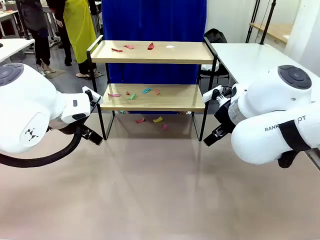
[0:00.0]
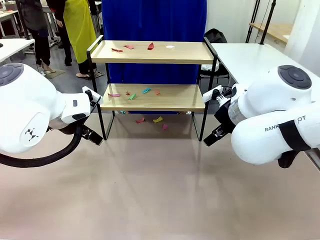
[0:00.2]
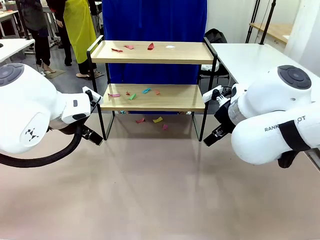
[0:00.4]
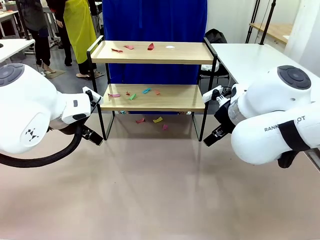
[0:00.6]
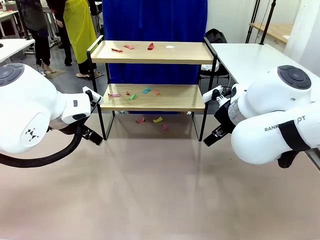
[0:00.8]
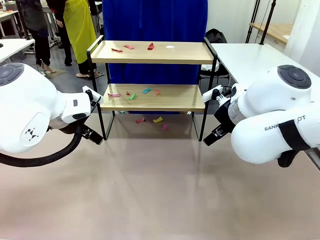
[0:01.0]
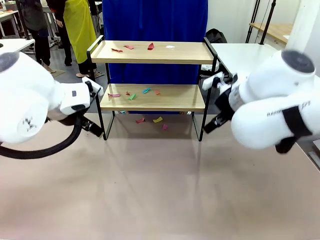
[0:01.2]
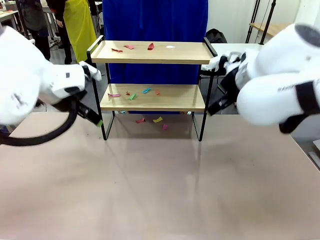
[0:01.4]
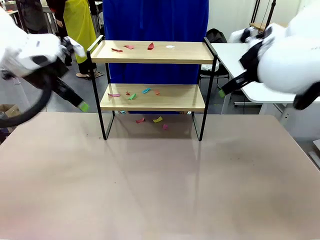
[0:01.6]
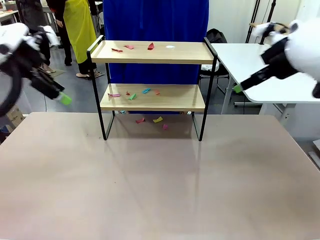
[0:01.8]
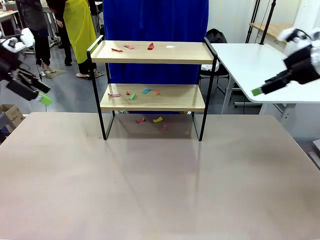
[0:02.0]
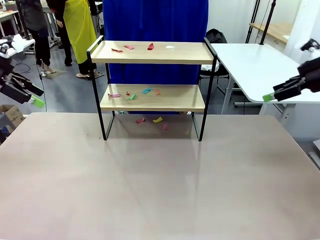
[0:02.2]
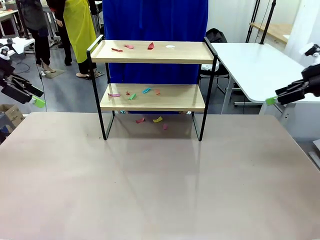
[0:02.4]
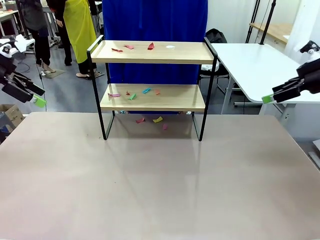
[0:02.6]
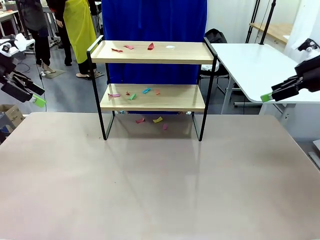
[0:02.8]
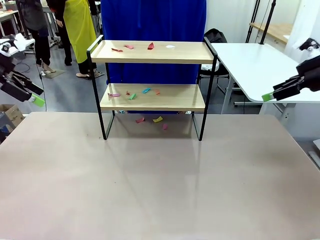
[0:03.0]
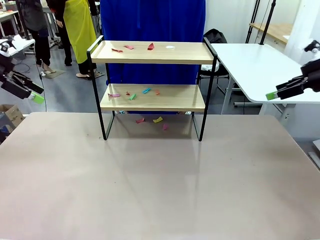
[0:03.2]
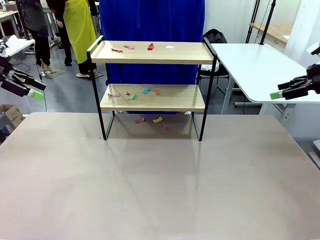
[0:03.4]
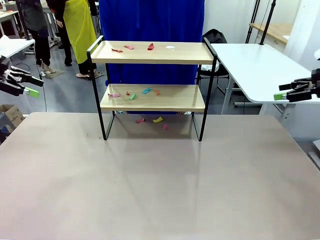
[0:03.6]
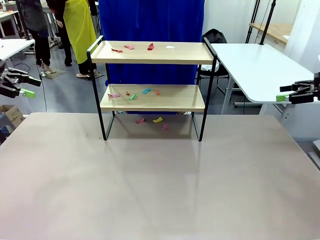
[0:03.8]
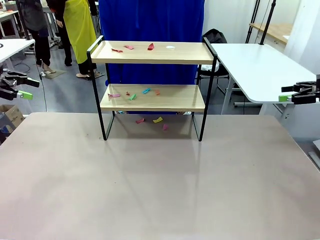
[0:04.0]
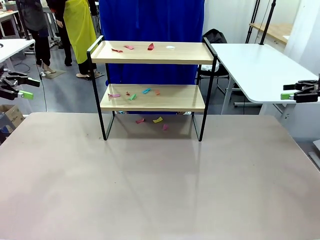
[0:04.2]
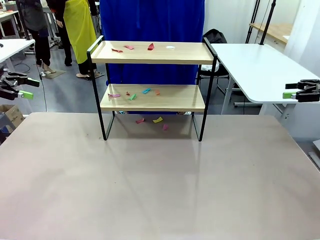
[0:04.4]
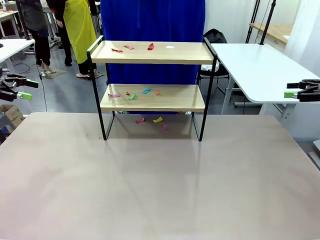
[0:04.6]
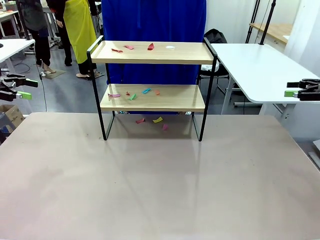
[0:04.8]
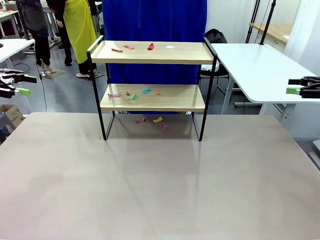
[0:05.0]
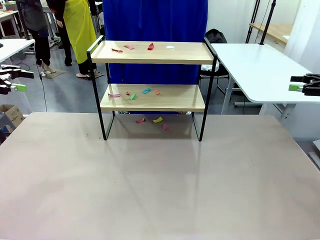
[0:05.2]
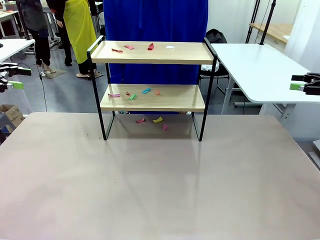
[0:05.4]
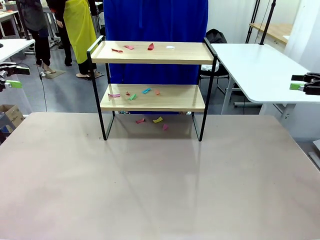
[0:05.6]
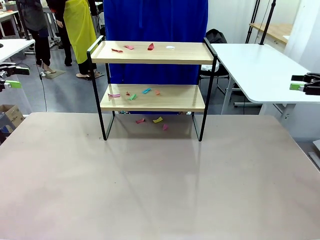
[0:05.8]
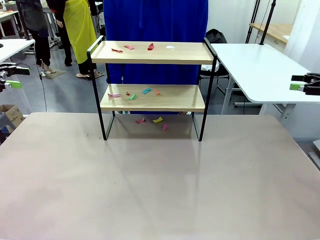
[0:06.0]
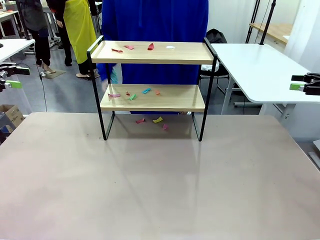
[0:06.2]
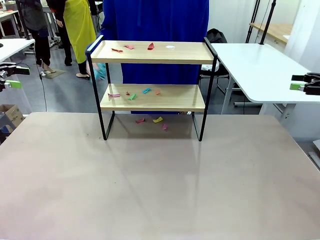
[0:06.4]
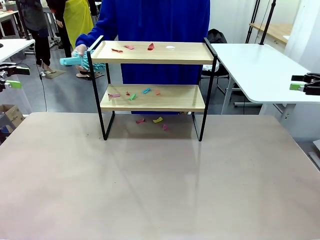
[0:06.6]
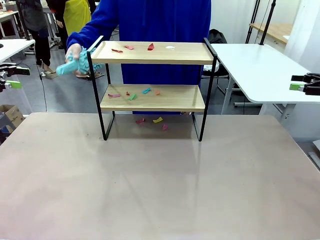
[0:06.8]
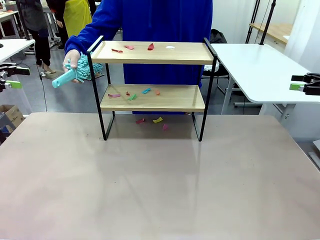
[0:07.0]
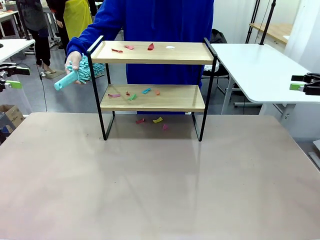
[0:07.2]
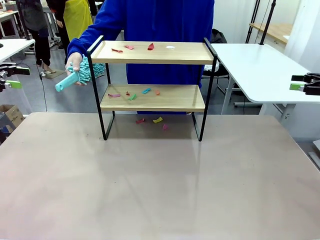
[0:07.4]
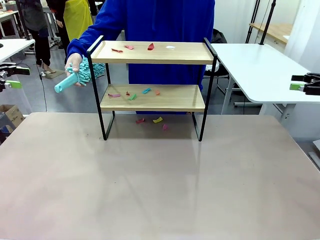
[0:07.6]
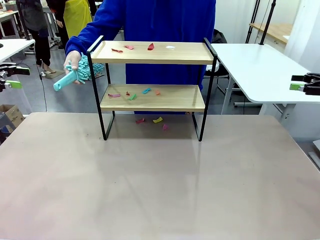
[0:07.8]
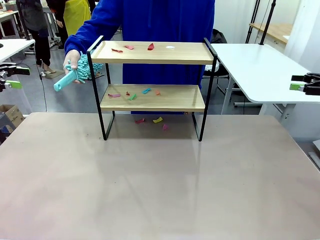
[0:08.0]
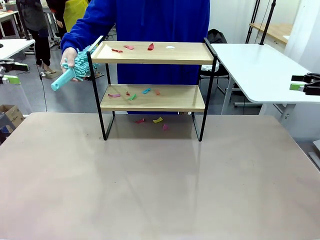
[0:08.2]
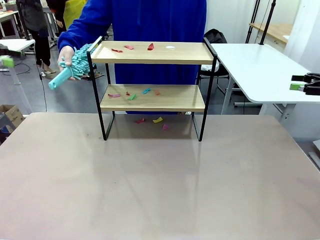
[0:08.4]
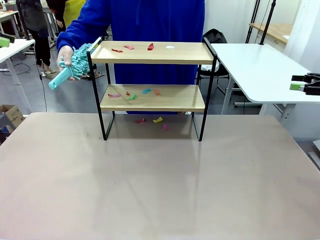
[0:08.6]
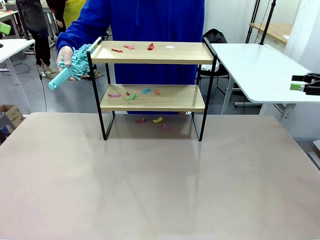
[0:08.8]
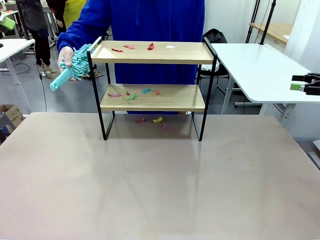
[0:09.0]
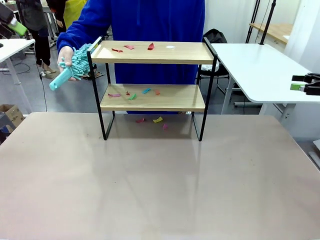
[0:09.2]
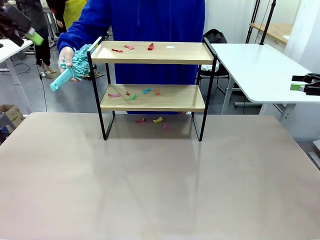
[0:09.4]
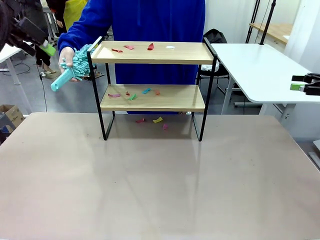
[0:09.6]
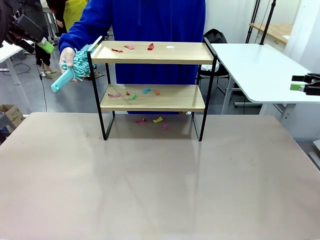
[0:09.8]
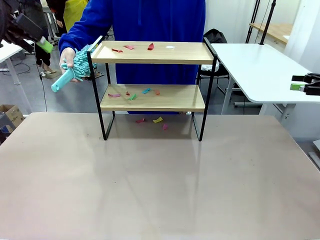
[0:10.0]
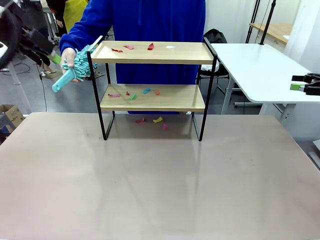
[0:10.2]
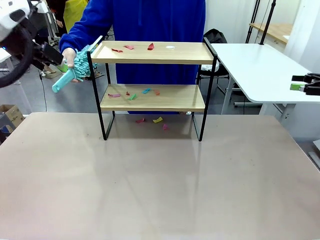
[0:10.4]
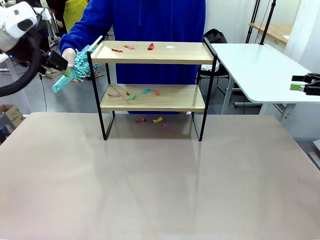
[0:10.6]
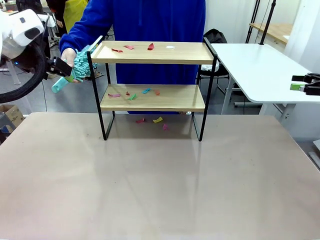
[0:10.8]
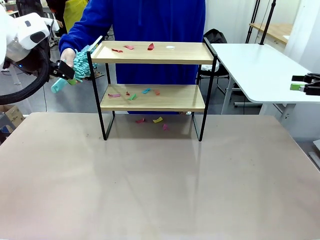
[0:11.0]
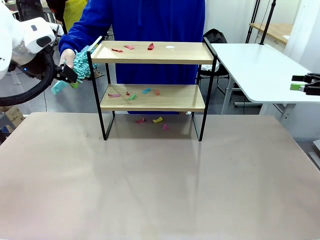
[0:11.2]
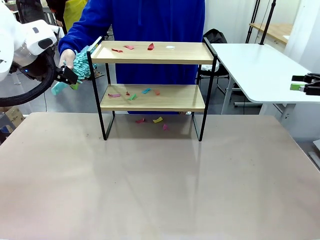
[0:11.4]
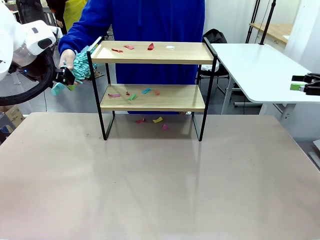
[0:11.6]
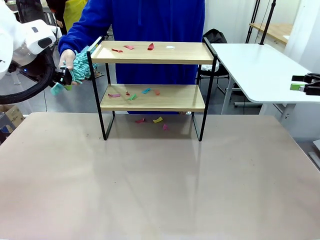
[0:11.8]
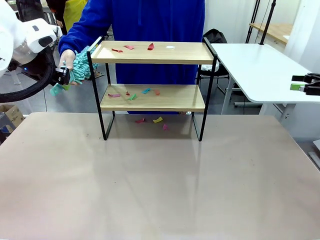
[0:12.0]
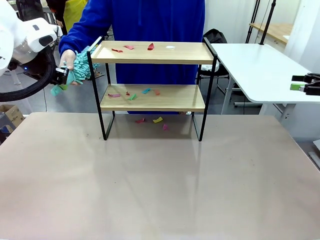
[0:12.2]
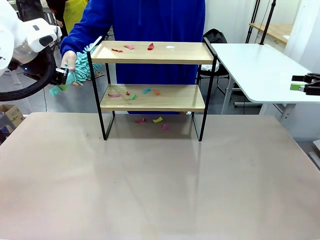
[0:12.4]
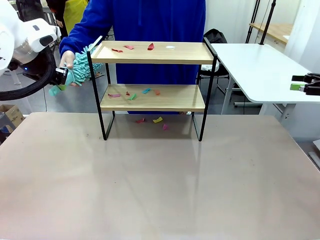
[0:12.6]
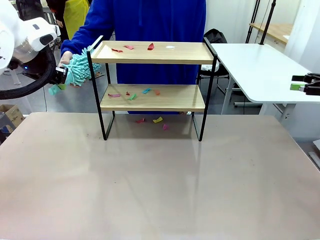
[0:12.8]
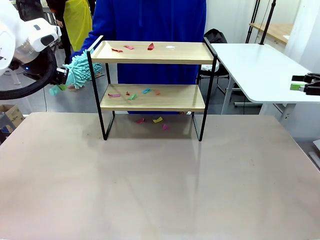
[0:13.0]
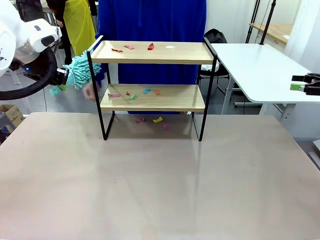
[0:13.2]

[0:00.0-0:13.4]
Task: Clean the shelf.
Robot: Pick up the Duster handed by the human.
Person: Hand the Duster to the robot.
